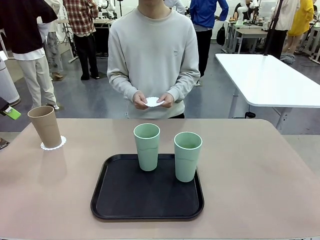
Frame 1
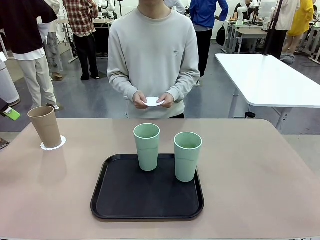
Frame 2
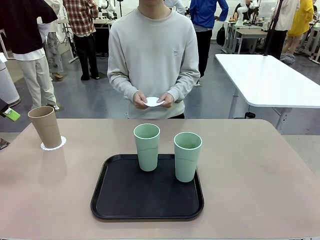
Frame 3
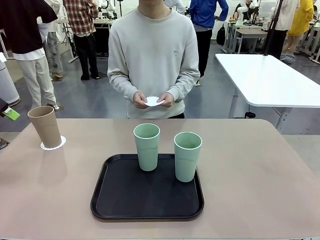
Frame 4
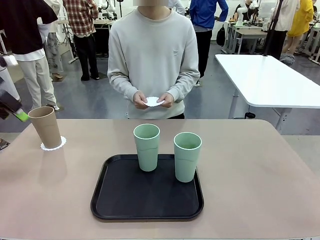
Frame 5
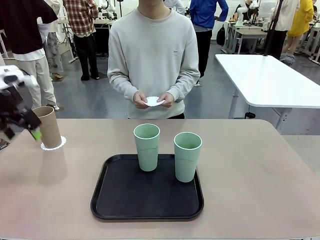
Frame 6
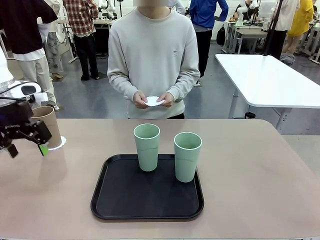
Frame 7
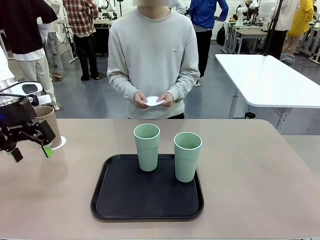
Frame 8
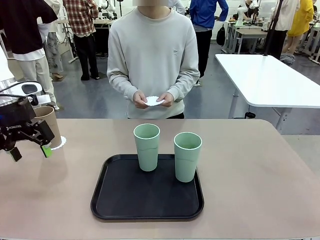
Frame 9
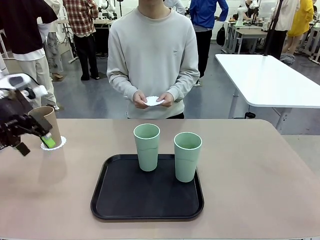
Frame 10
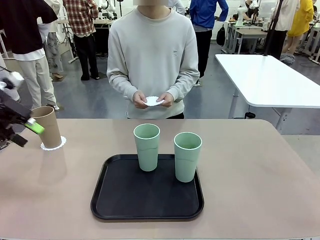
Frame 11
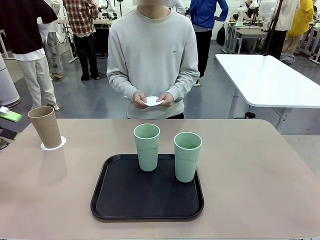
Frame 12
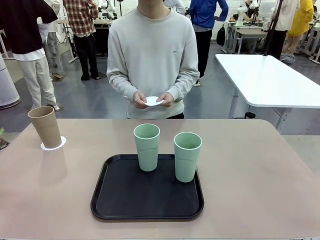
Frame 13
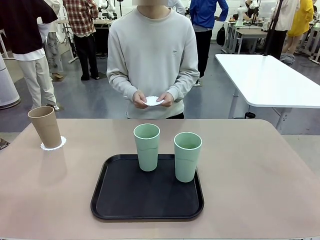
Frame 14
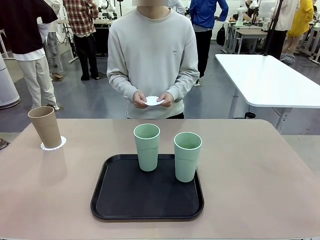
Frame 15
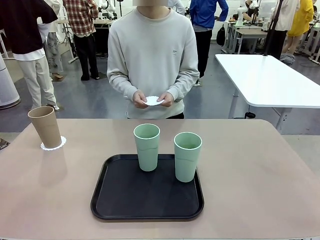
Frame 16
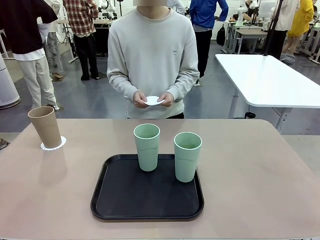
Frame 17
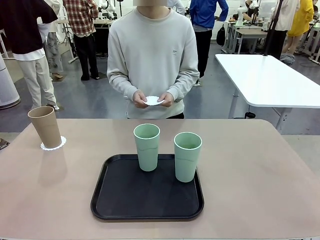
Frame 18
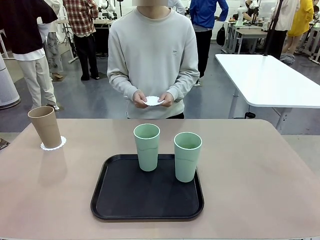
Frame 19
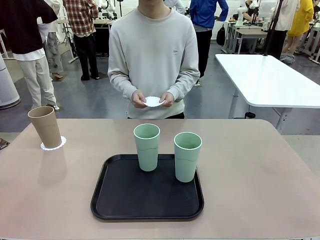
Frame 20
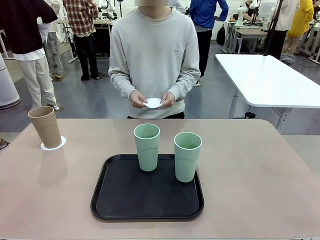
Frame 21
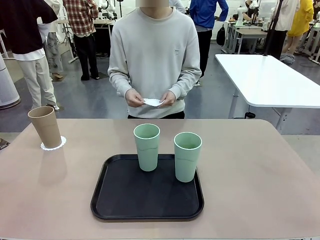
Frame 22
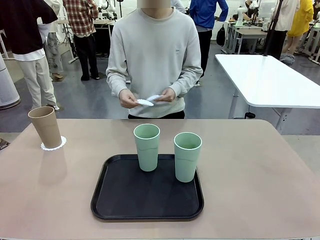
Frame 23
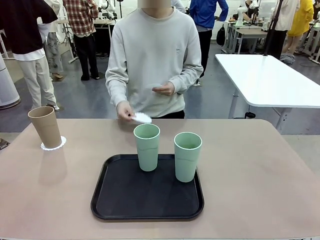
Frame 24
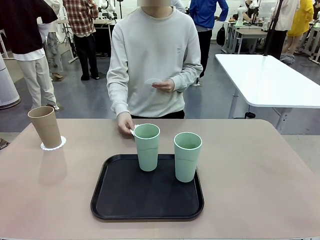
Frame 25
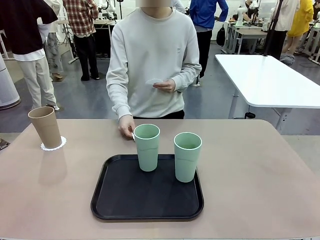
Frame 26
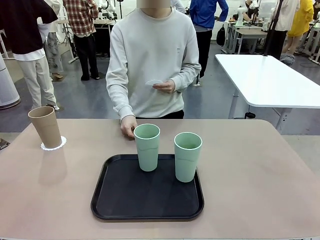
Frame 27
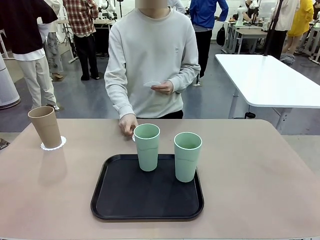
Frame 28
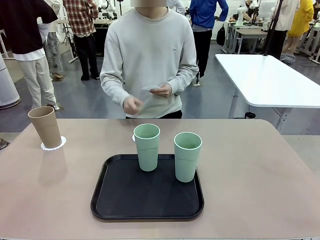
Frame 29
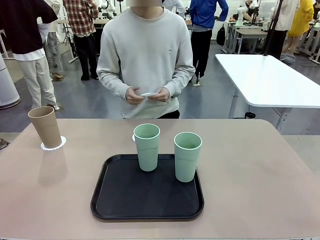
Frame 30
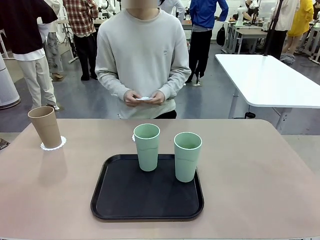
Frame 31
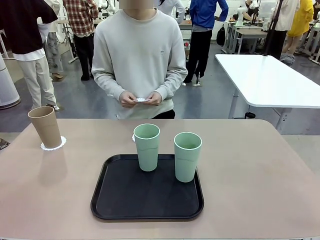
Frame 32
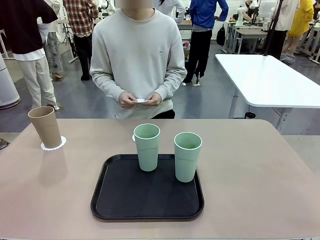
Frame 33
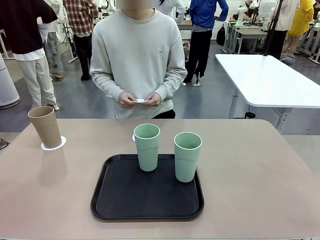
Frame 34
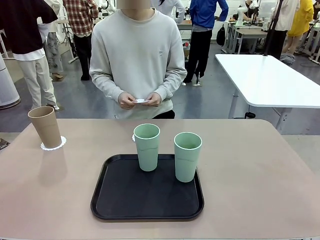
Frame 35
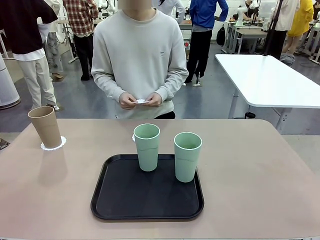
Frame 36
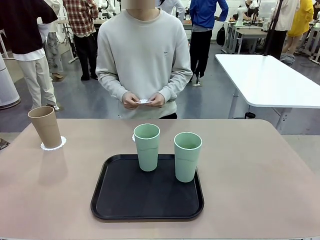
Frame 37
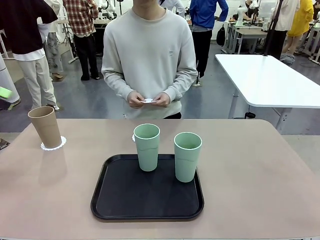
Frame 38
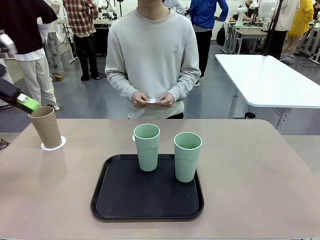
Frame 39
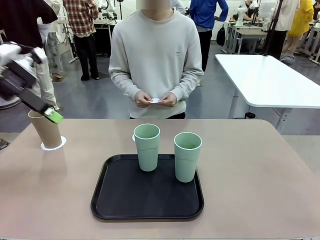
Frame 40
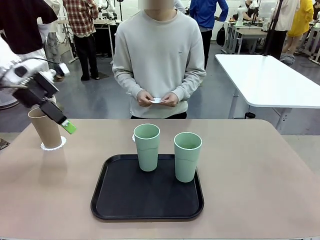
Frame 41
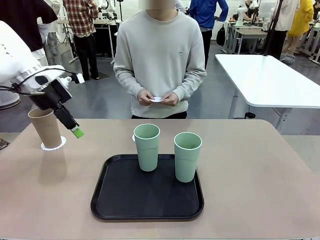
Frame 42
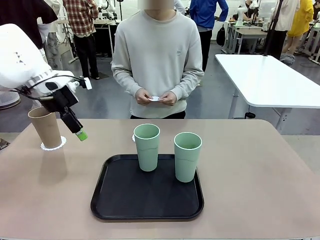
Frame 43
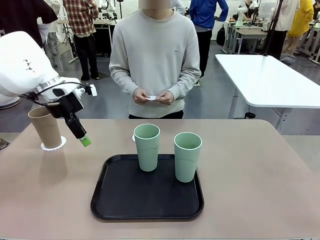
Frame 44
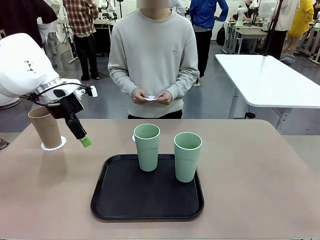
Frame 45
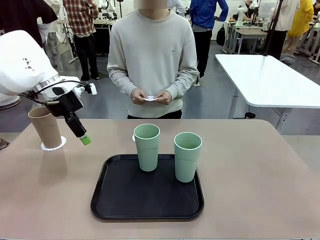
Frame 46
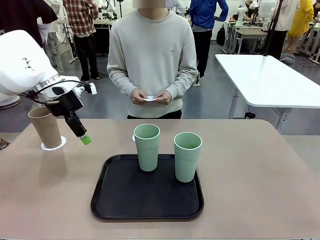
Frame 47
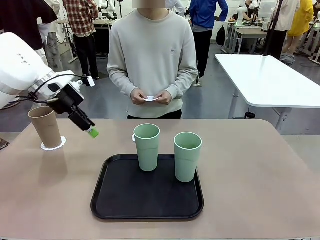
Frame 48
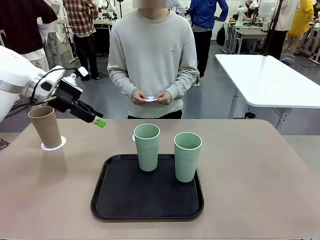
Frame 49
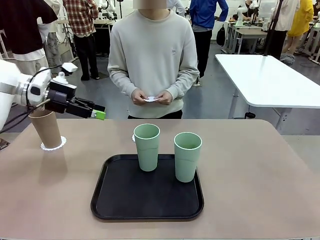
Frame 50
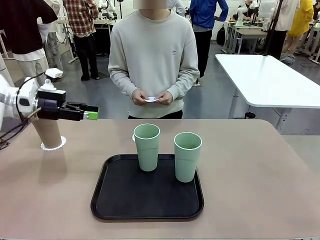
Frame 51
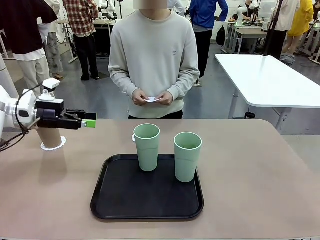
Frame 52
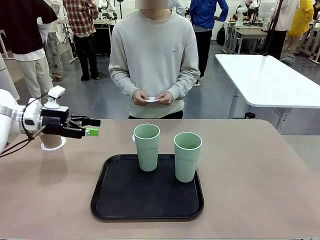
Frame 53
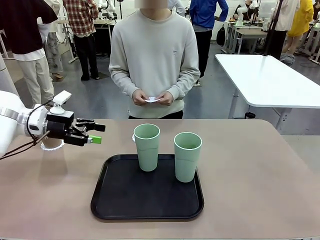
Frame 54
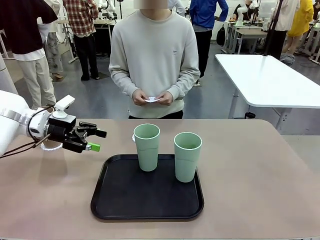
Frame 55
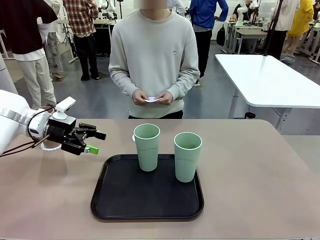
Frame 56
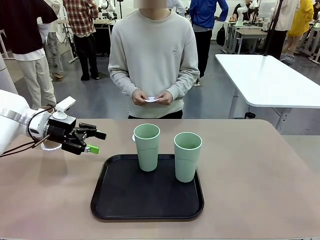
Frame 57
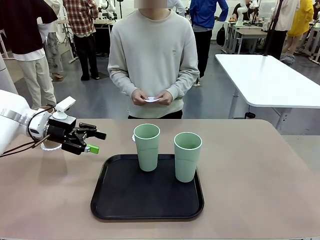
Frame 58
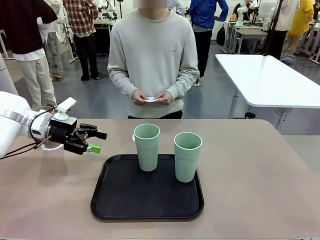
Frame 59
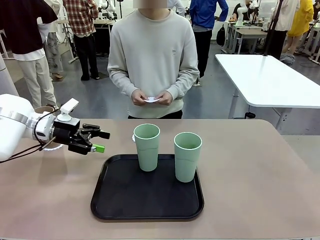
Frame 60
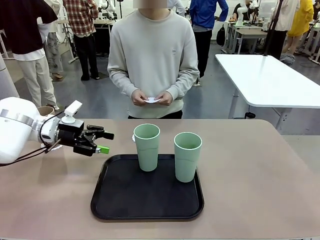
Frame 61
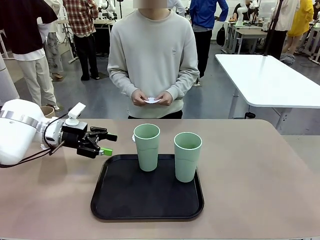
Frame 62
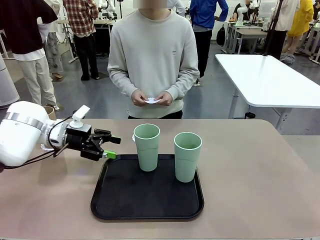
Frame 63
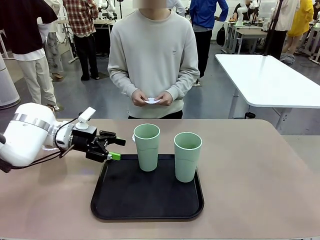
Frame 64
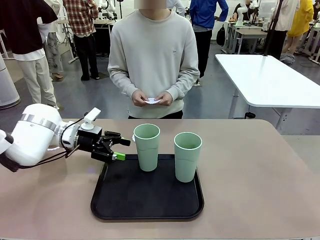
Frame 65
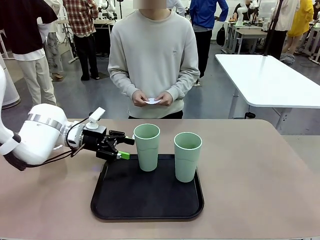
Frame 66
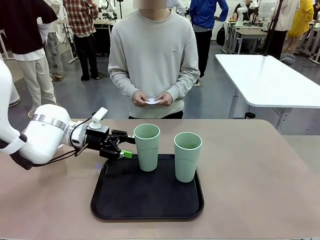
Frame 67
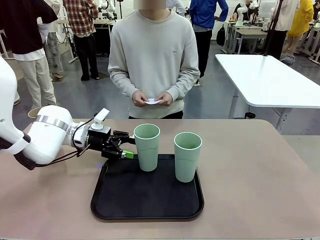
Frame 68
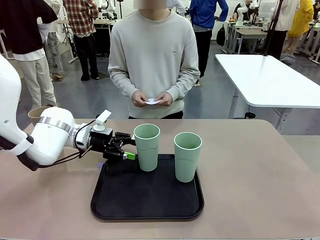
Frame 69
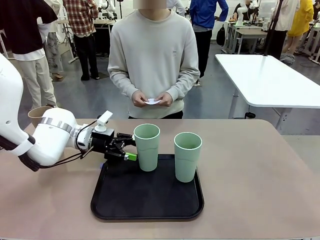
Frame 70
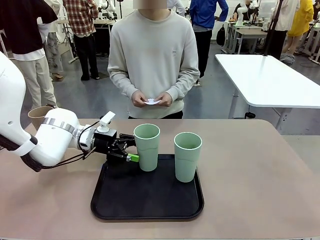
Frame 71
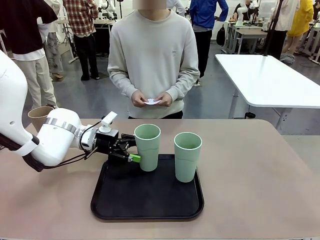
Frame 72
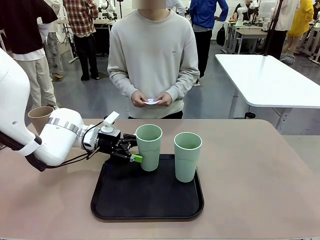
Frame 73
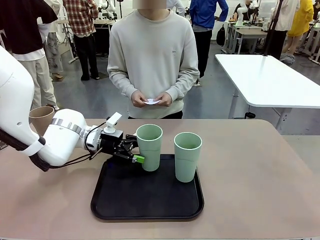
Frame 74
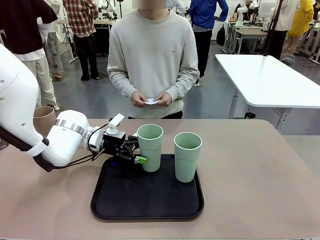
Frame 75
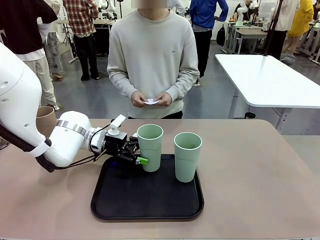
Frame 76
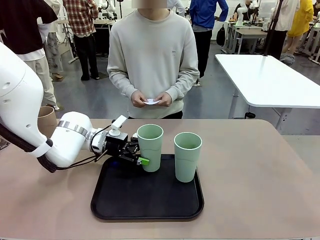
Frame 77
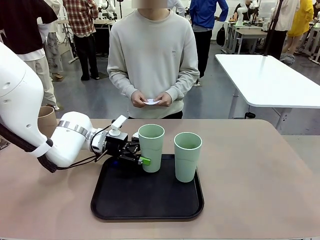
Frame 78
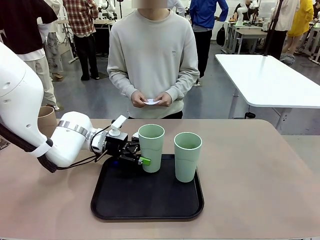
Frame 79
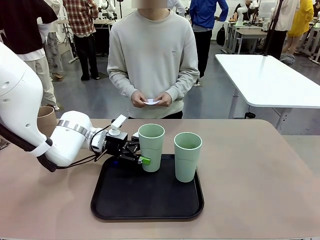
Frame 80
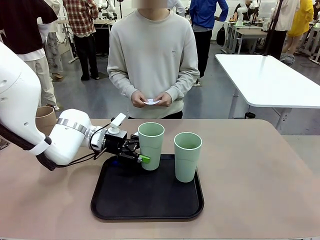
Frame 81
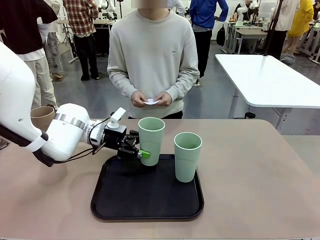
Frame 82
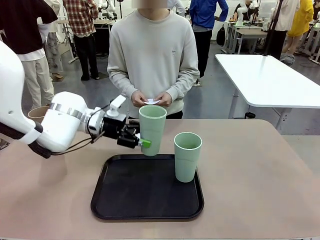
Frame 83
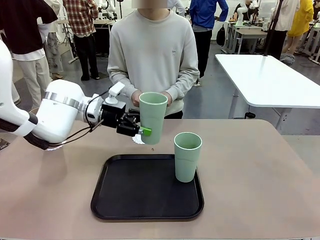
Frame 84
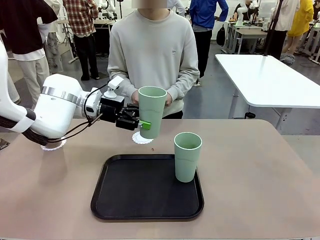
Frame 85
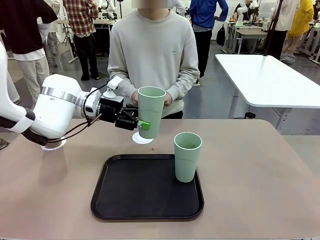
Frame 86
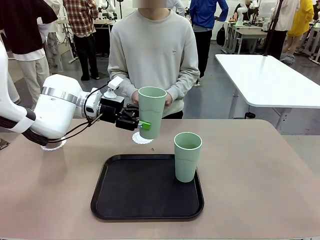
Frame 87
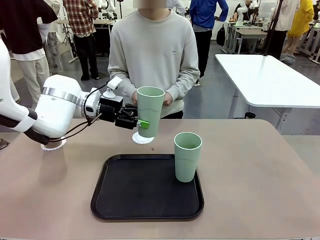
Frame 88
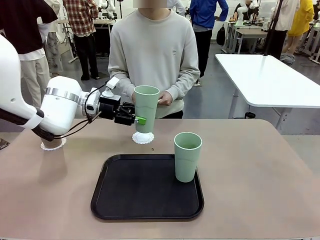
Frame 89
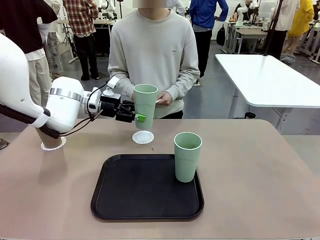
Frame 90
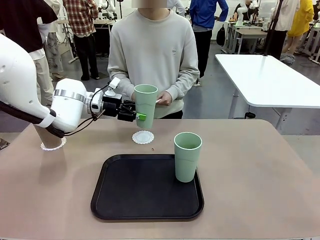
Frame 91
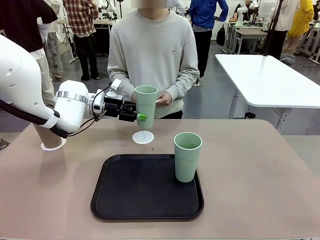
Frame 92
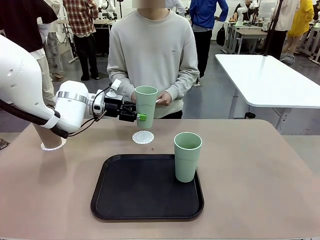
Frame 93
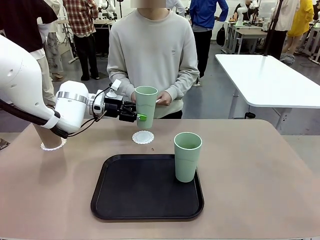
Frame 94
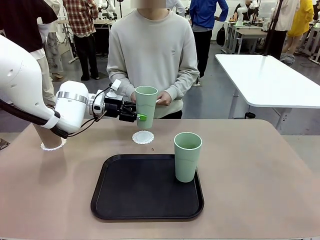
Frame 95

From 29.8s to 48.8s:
Task: Place coasters on the table and set cups on them.
Robot: Take one Reusable plastic cup from the Flat Tray and place it on a coaster set by the human.

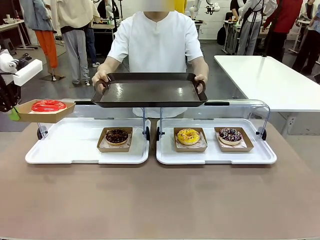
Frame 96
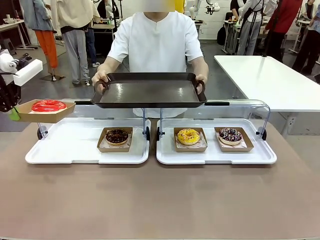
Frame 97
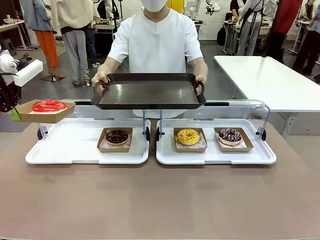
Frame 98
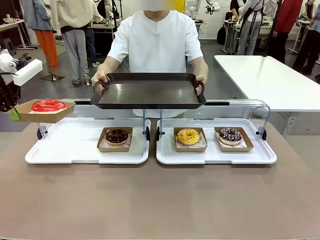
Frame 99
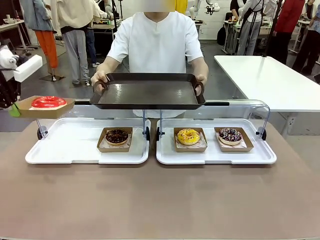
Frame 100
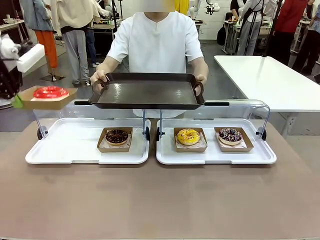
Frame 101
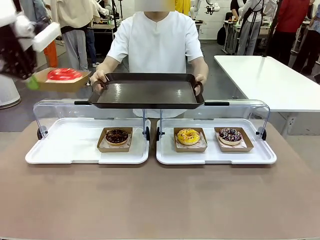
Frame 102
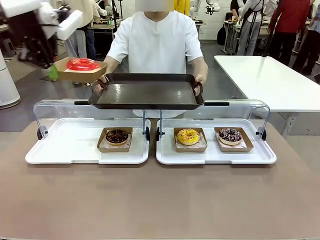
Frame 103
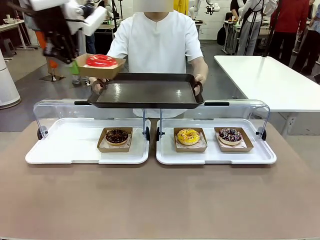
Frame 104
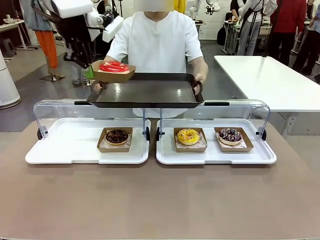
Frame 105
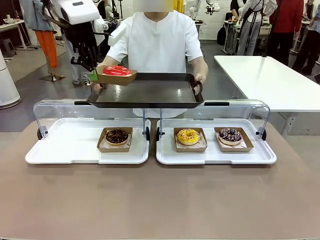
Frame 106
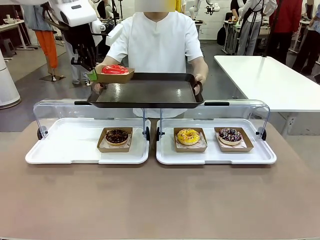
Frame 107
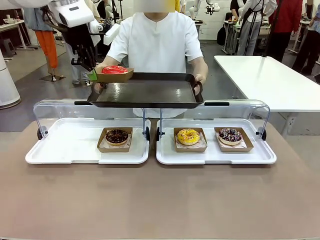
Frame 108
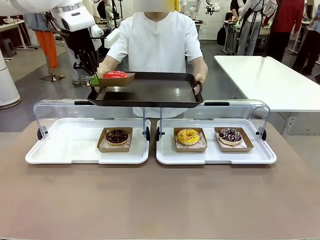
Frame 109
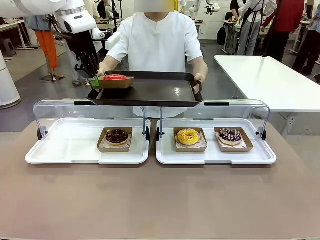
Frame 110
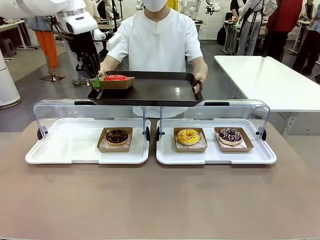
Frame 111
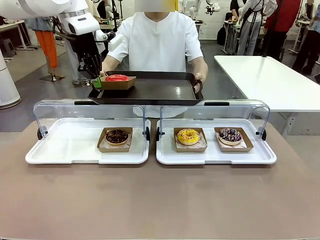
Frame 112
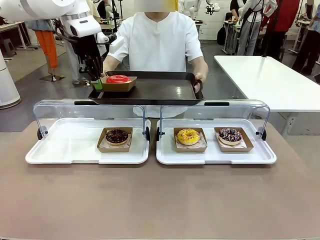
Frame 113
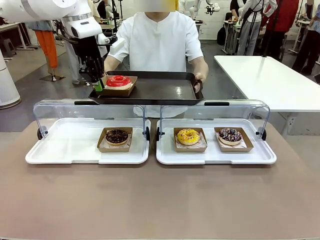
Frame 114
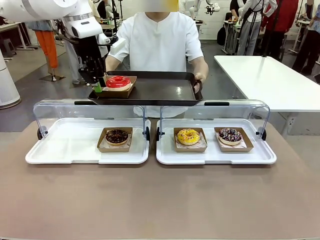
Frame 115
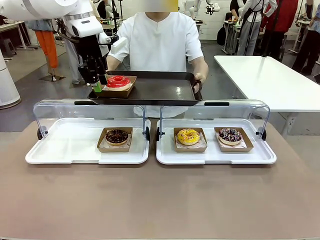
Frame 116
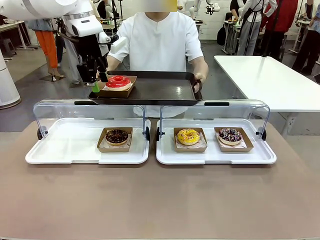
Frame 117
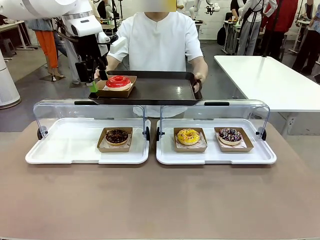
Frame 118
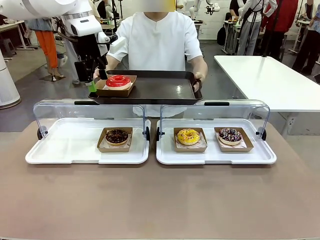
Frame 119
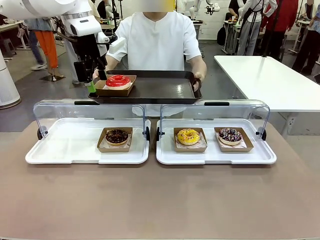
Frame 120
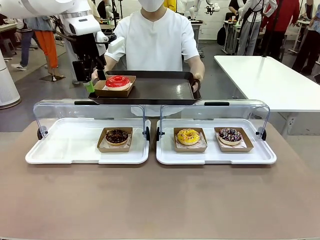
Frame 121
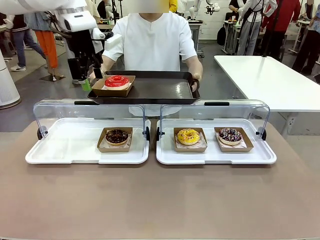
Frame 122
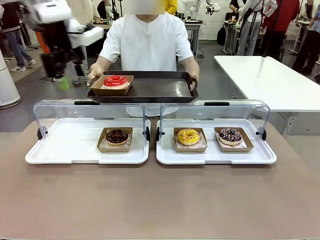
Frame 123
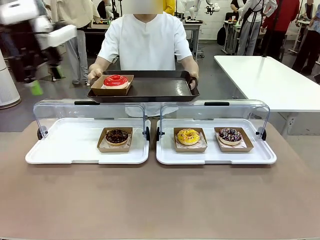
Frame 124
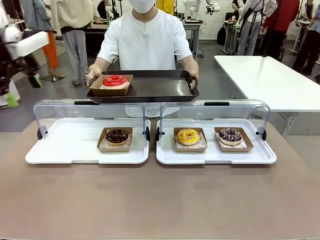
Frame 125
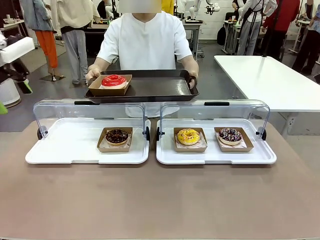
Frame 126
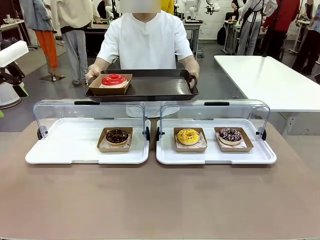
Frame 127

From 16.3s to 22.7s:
Task: Provide the desired donut to the person.
Robot: Place the picked Paper togo box onto the Handle tray extended by the person.
